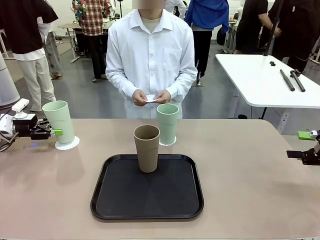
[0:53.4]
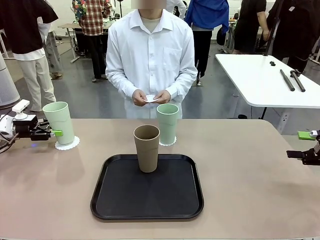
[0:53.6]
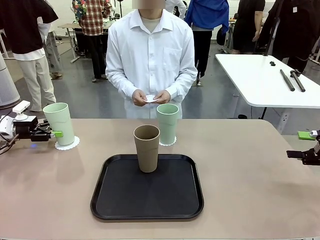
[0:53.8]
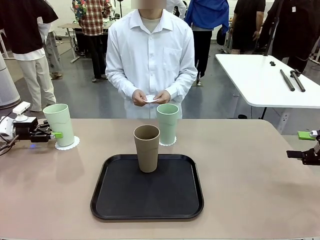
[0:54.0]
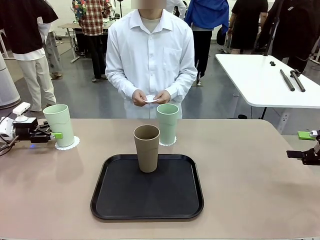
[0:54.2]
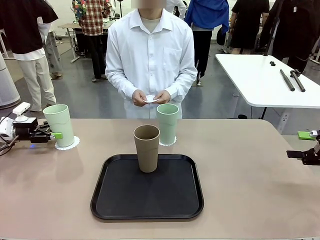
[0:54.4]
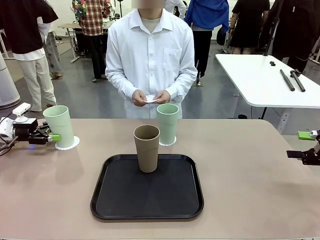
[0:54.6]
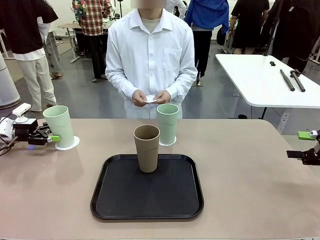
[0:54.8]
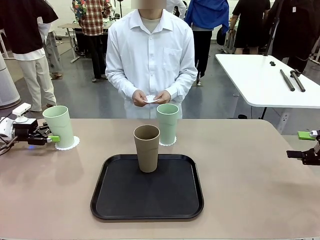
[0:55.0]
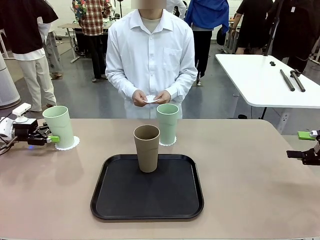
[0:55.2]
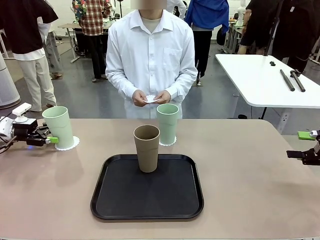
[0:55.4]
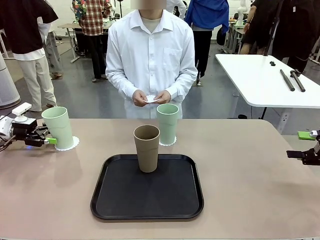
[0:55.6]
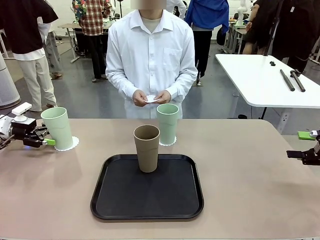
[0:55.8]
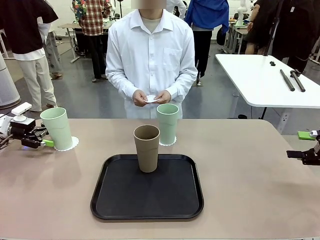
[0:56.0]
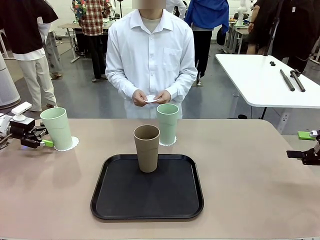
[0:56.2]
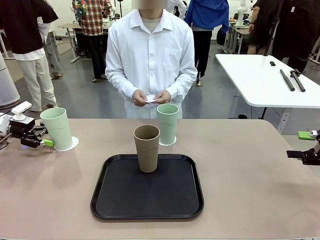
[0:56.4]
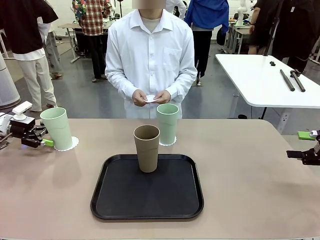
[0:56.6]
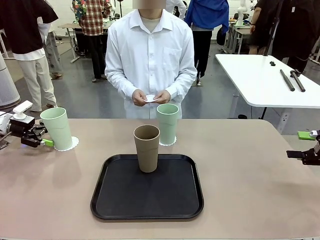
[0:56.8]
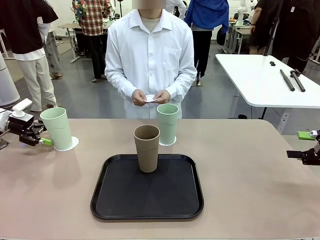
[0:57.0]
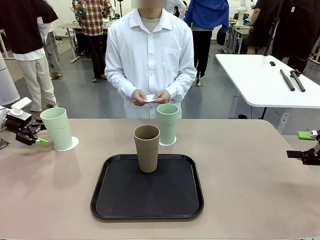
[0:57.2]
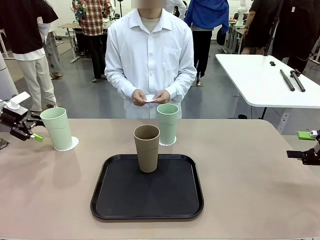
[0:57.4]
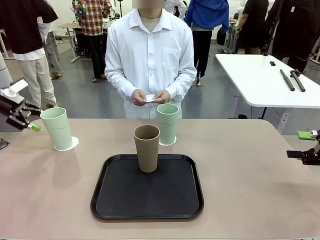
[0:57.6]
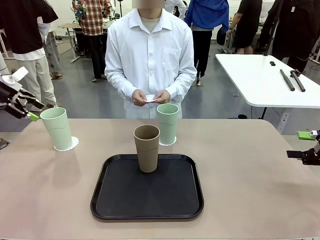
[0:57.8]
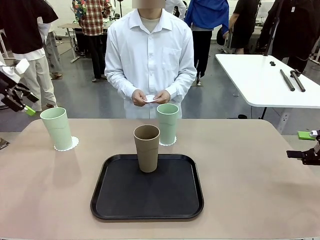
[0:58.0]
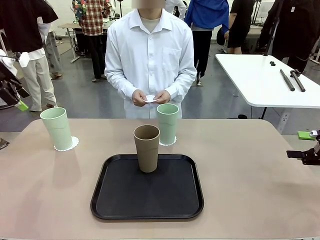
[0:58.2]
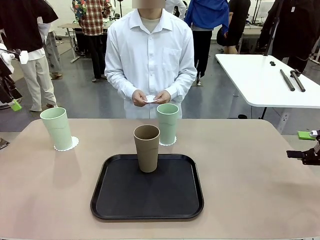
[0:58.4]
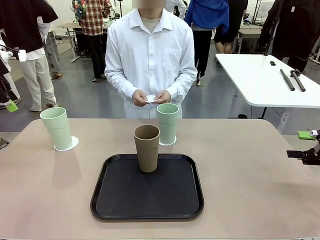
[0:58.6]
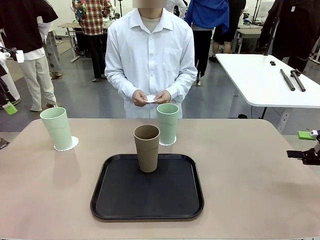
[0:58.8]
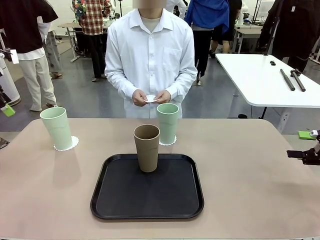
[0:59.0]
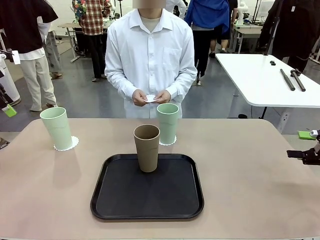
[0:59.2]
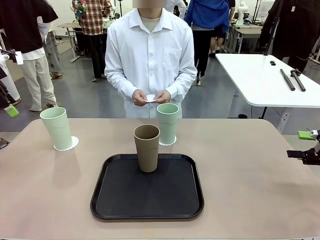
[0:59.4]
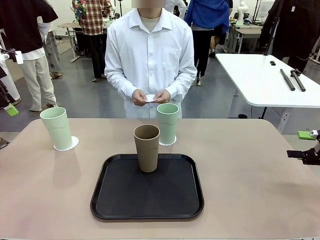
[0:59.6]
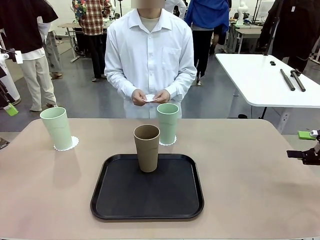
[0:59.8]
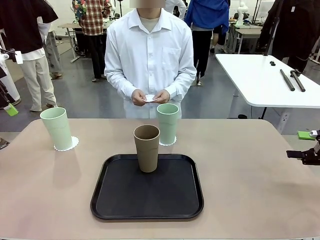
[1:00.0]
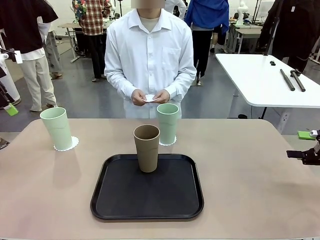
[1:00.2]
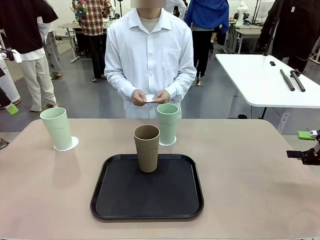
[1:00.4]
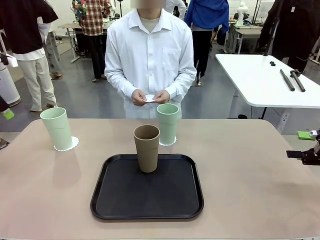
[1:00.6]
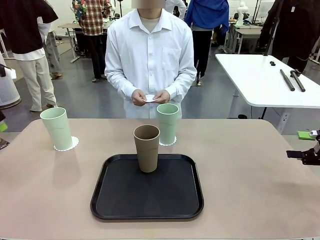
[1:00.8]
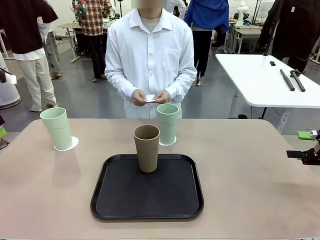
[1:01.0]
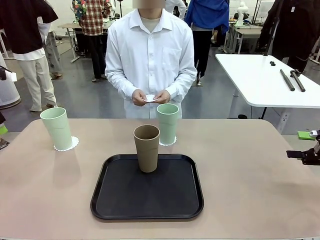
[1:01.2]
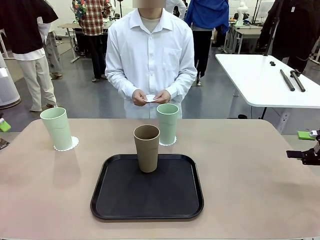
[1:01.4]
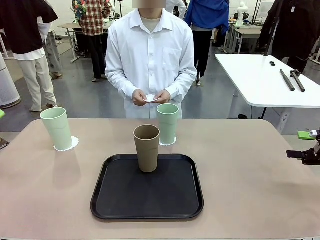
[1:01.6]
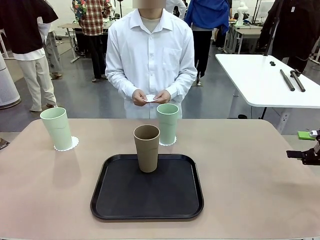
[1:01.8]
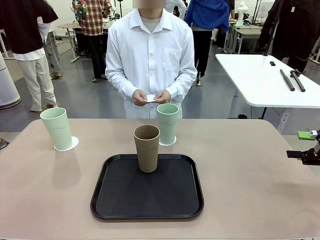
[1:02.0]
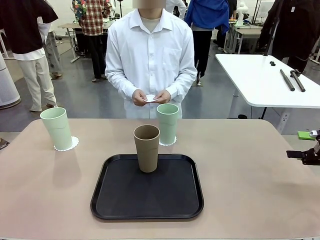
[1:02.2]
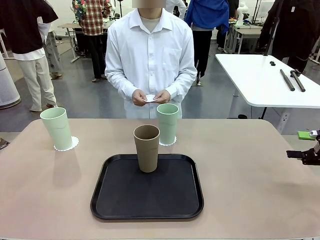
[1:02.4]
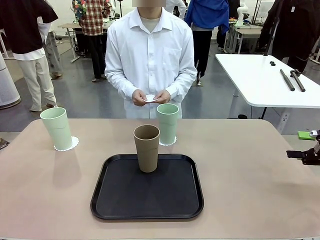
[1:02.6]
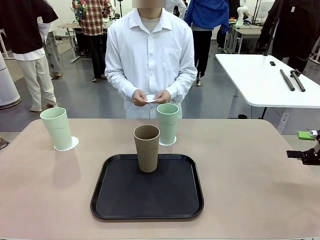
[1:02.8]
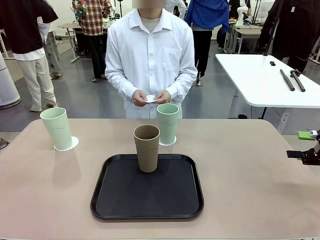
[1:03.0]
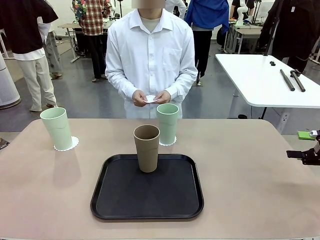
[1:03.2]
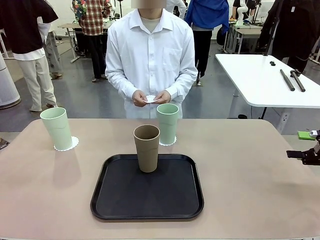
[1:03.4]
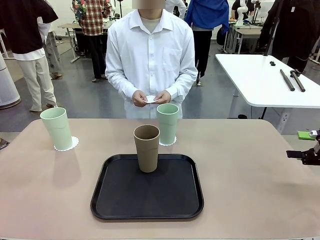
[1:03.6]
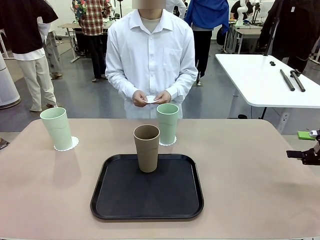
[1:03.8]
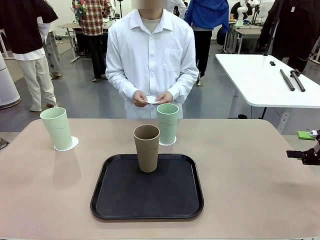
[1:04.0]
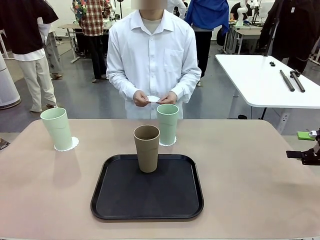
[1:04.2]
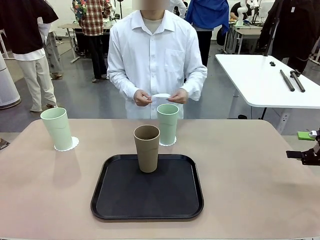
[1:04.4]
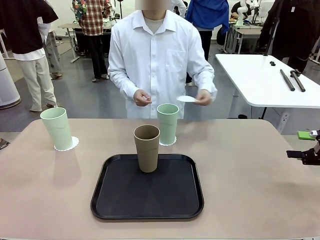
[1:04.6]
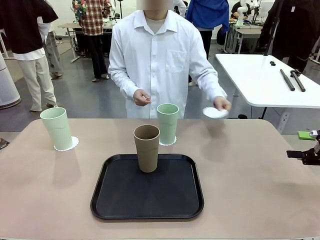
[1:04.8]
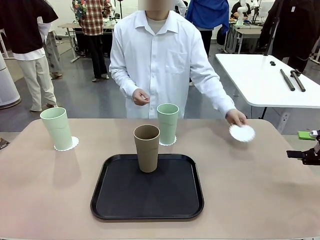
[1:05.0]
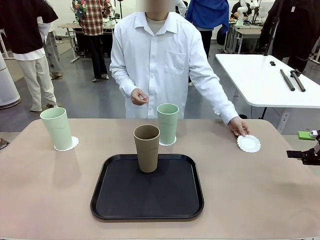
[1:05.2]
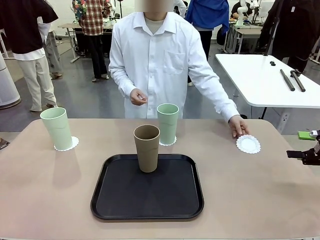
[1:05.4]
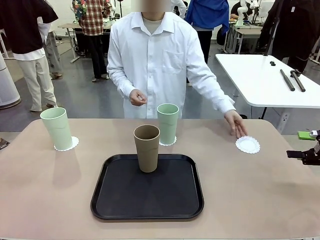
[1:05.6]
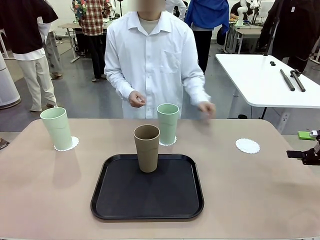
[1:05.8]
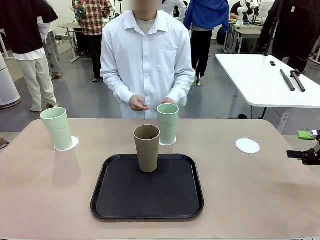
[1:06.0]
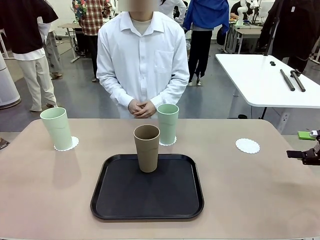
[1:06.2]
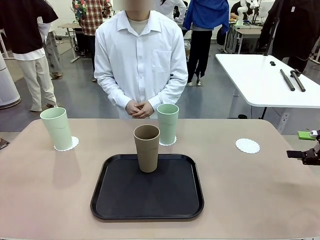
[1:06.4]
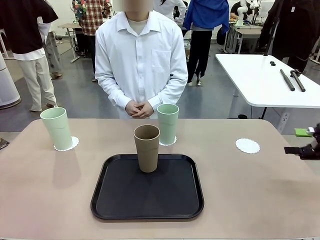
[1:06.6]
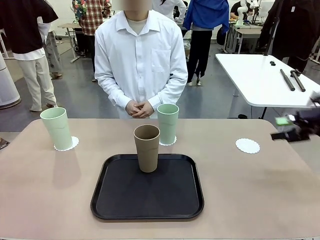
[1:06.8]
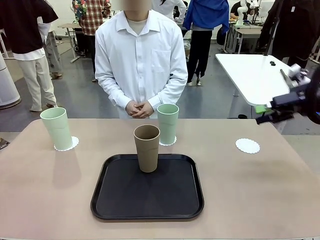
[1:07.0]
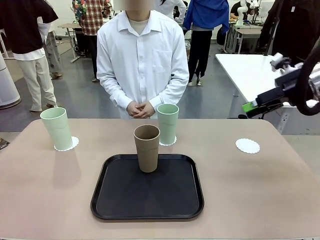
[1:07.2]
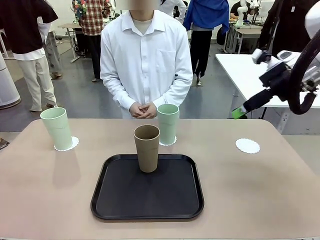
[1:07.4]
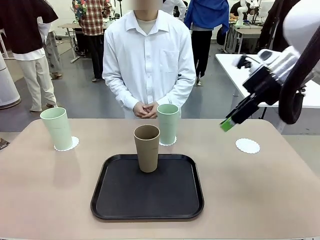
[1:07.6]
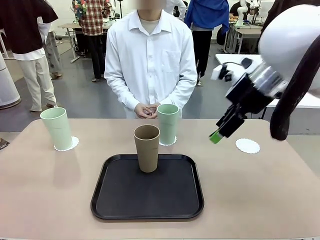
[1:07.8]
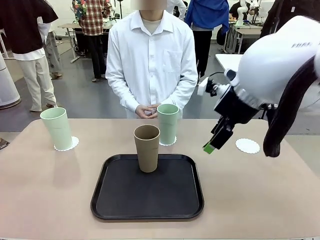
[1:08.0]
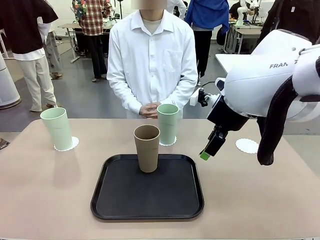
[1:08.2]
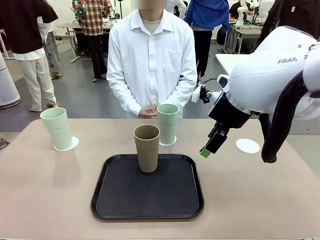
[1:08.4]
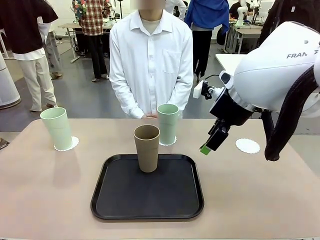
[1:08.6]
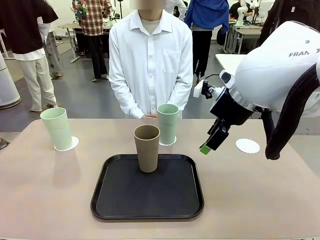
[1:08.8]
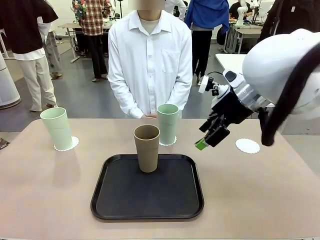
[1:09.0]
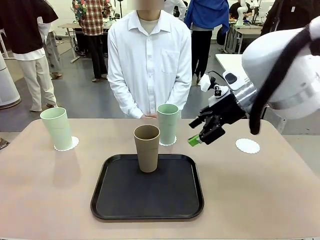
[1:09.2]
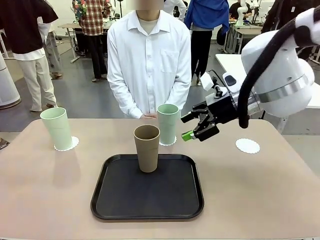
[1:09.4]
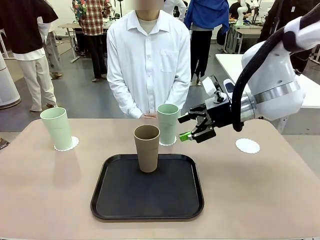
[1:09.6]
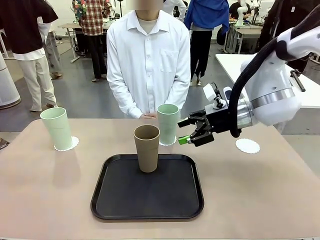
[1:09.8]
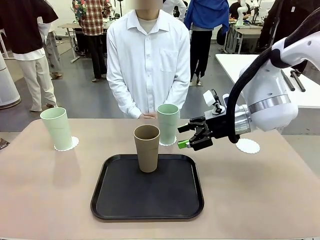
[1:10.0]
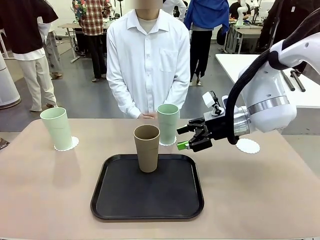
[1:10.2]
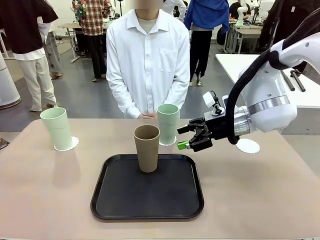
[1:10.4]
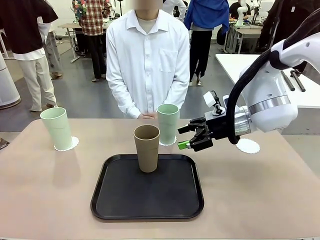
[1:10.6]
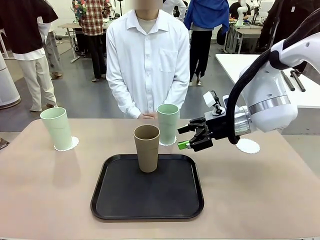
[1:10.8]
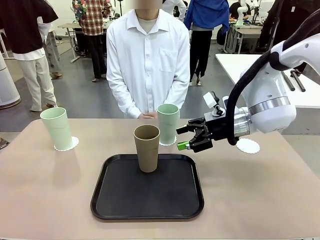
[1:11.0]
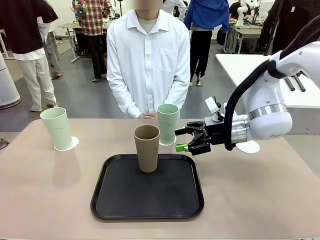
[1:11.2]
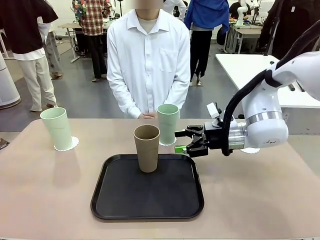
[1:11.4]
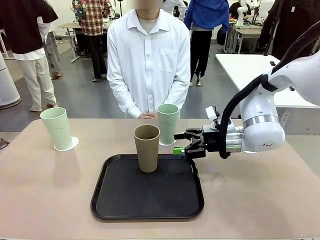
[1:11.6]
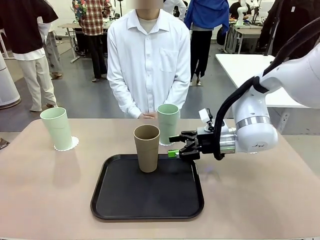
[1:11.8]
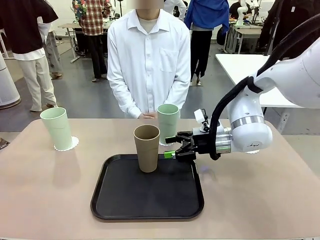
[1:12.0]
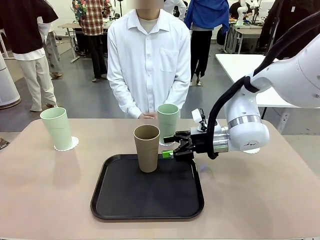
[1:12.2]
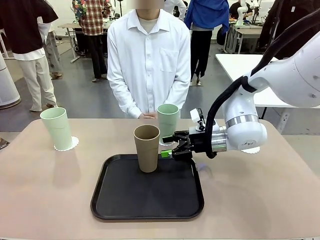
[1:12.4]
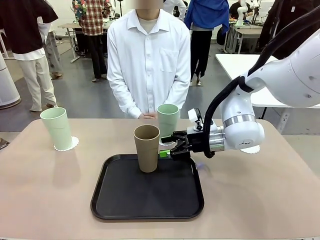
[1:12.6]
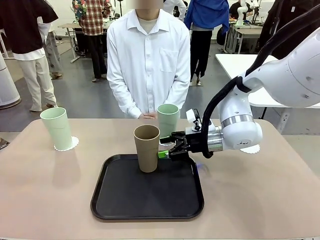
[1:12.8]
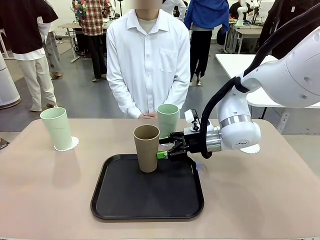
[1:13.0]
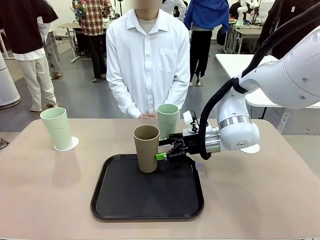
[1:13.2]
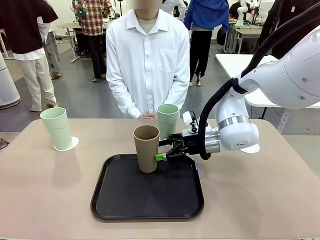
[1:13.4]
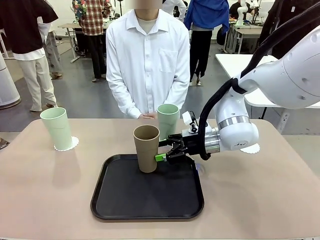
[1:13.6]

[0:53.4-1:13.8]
Task: Place coasters on the table and set cups on them.
Robot: Take one Reusable plastic cup from the Flat Tray and place it on a coaster set by the human.
